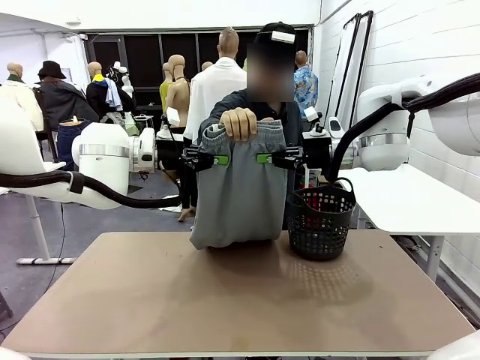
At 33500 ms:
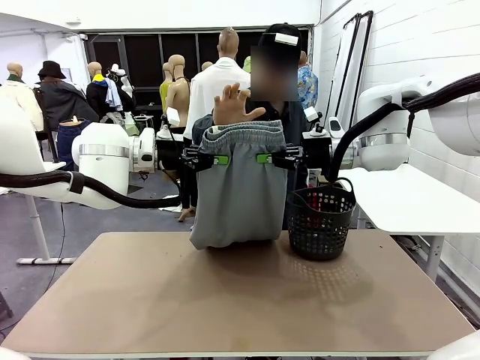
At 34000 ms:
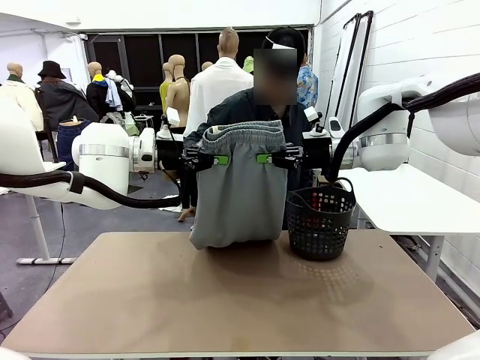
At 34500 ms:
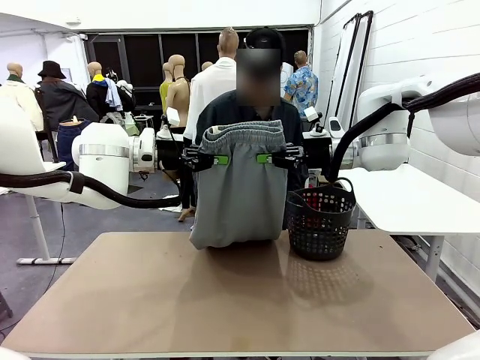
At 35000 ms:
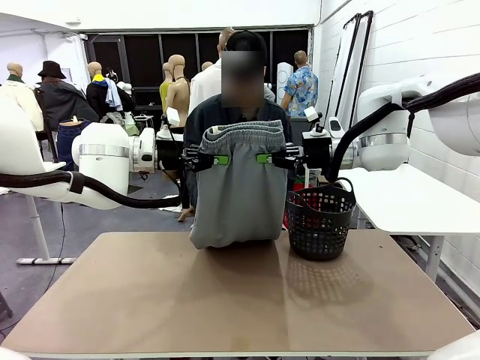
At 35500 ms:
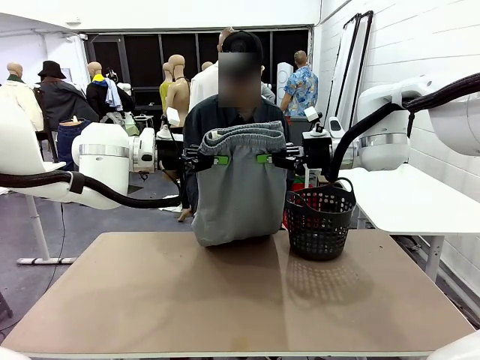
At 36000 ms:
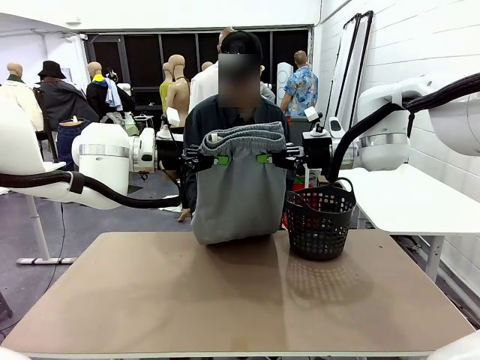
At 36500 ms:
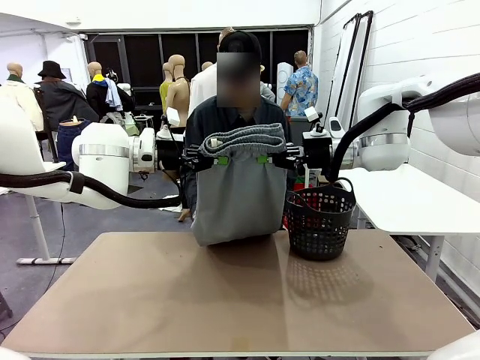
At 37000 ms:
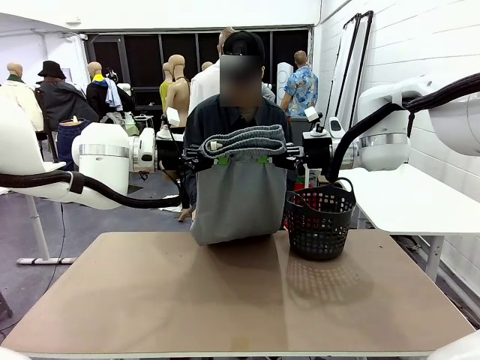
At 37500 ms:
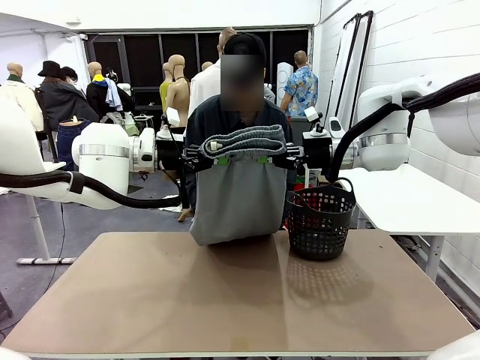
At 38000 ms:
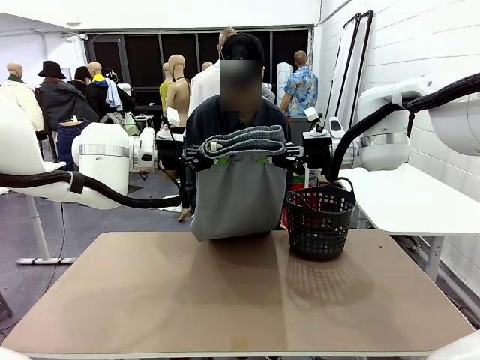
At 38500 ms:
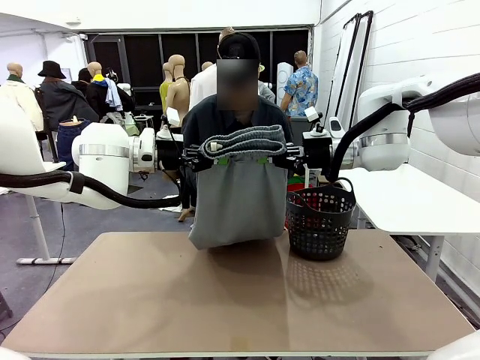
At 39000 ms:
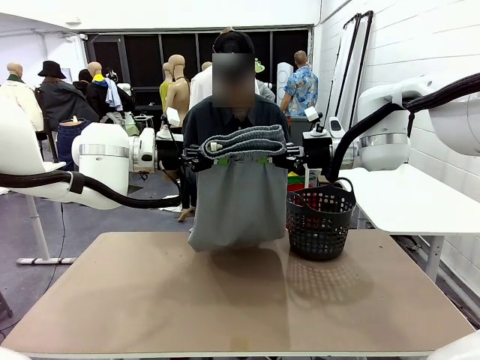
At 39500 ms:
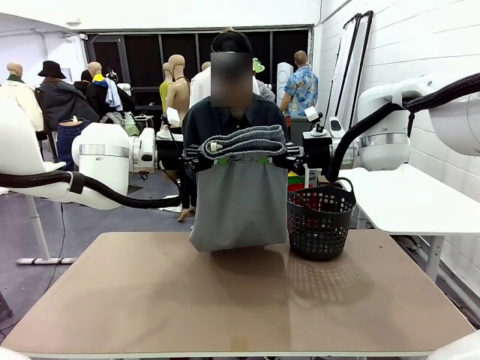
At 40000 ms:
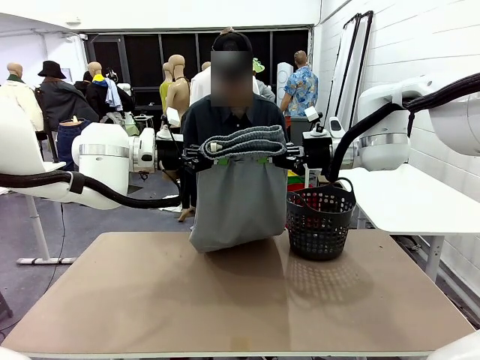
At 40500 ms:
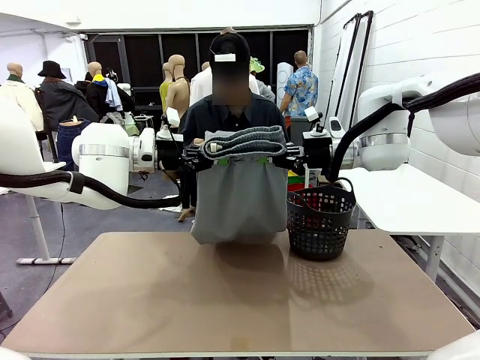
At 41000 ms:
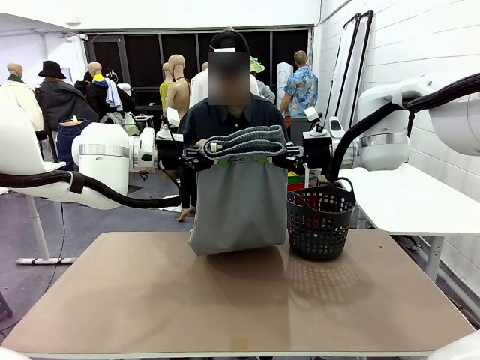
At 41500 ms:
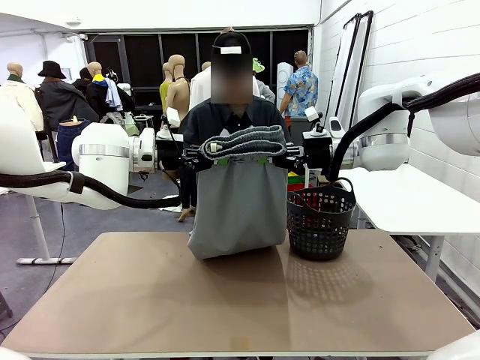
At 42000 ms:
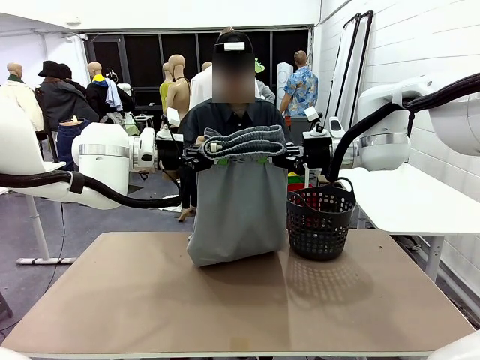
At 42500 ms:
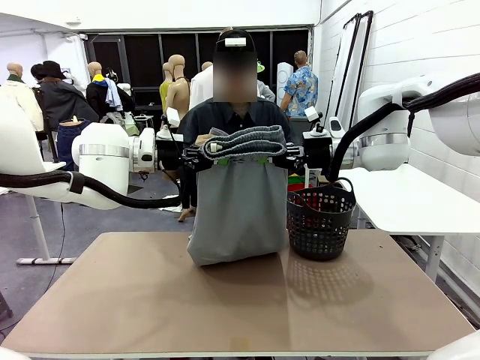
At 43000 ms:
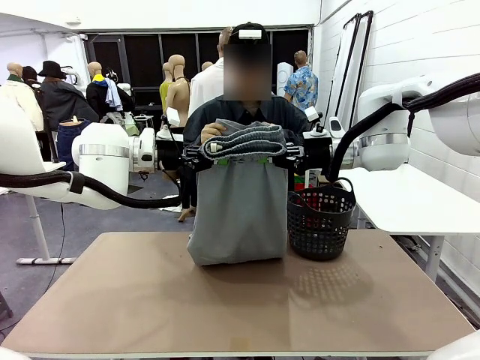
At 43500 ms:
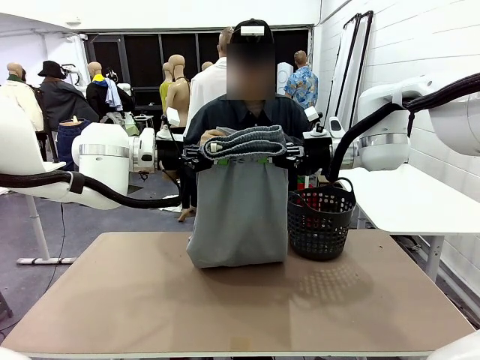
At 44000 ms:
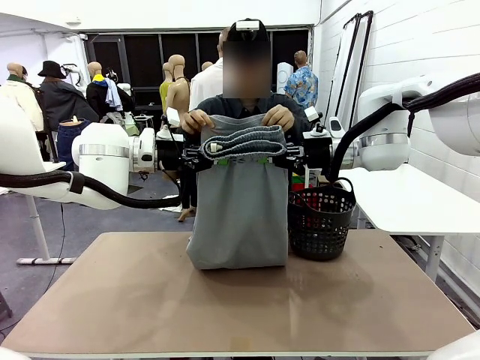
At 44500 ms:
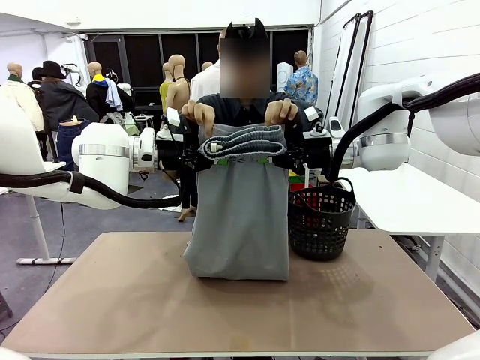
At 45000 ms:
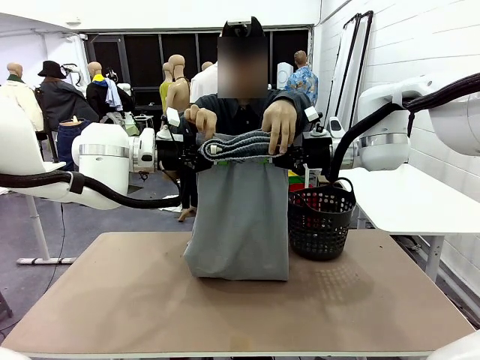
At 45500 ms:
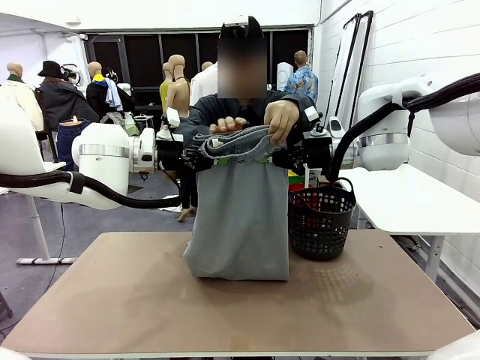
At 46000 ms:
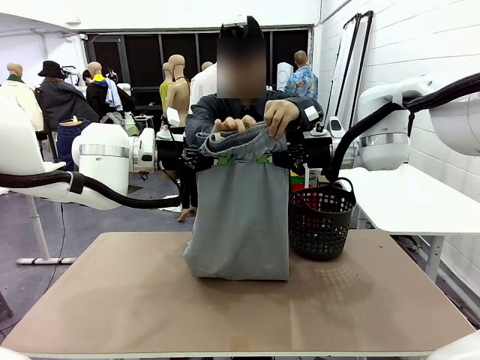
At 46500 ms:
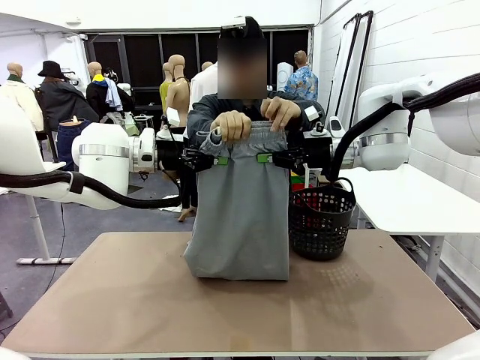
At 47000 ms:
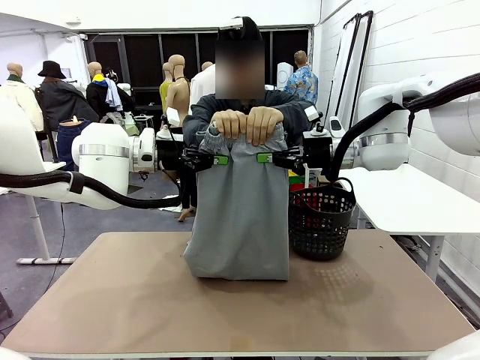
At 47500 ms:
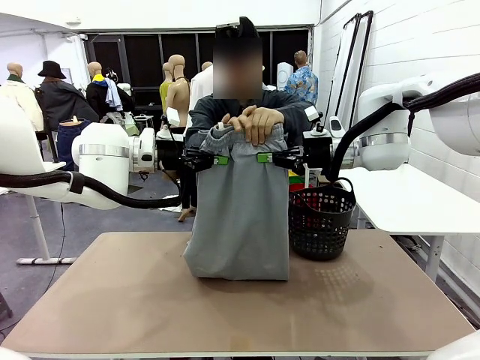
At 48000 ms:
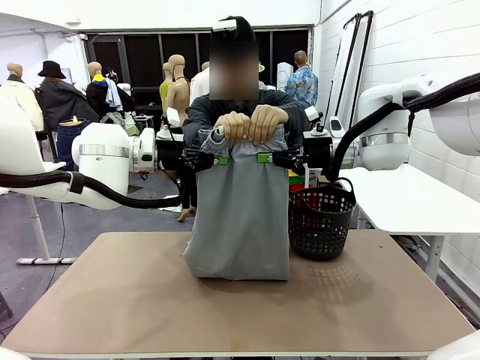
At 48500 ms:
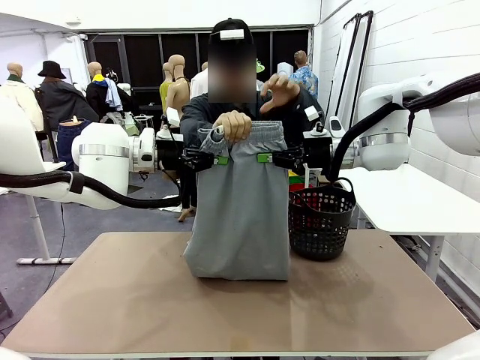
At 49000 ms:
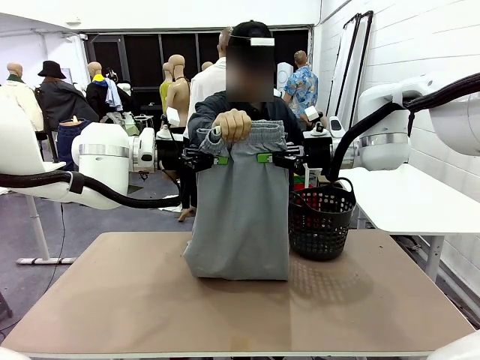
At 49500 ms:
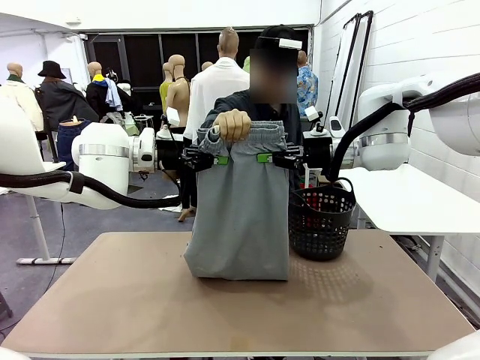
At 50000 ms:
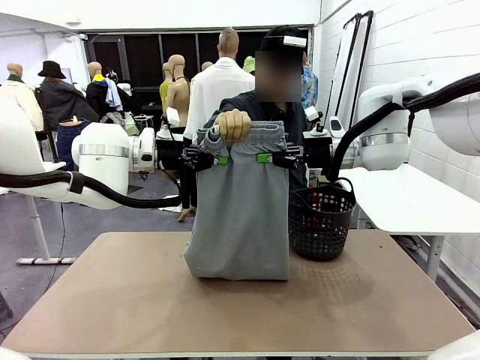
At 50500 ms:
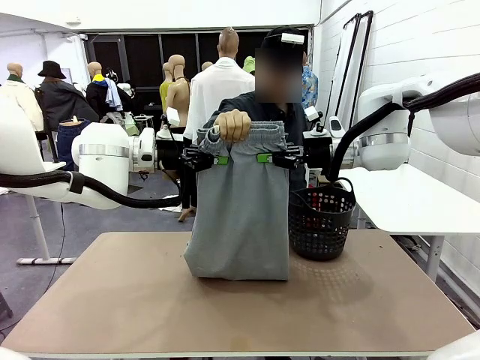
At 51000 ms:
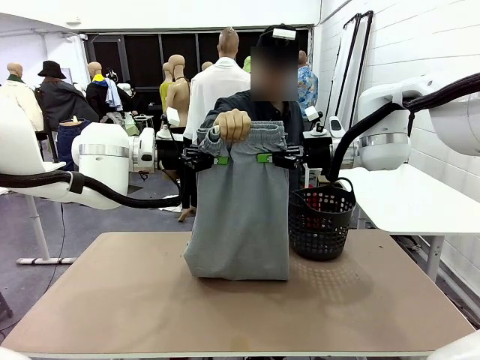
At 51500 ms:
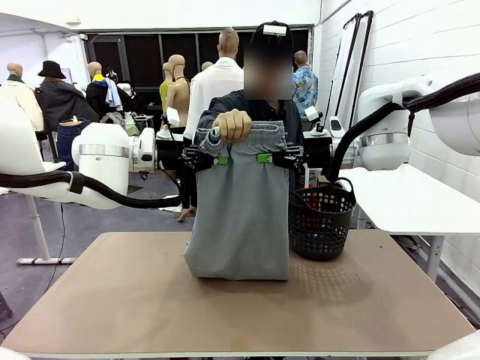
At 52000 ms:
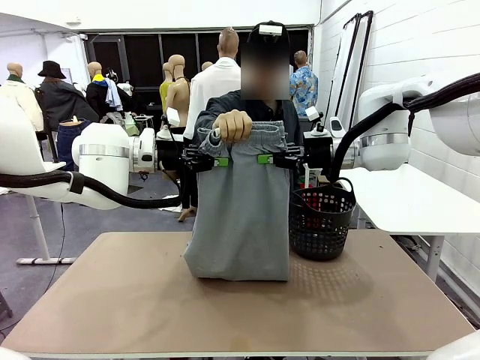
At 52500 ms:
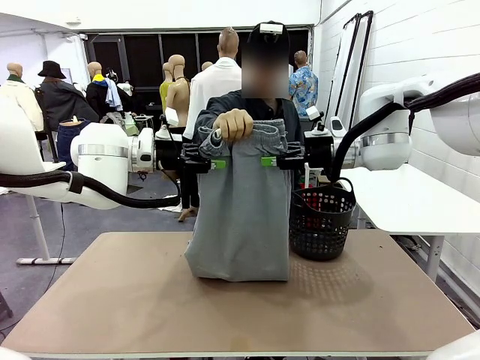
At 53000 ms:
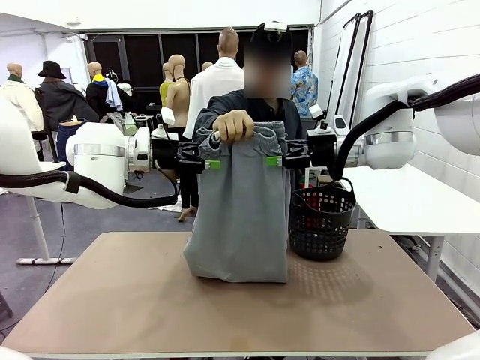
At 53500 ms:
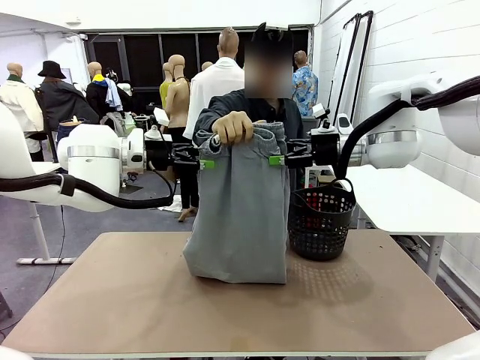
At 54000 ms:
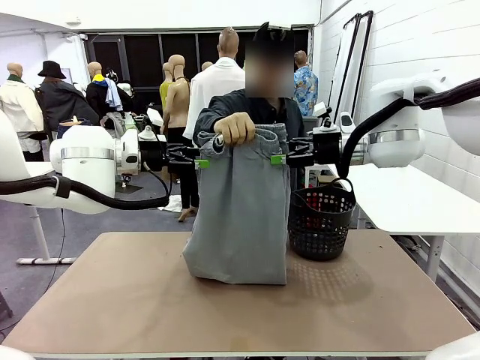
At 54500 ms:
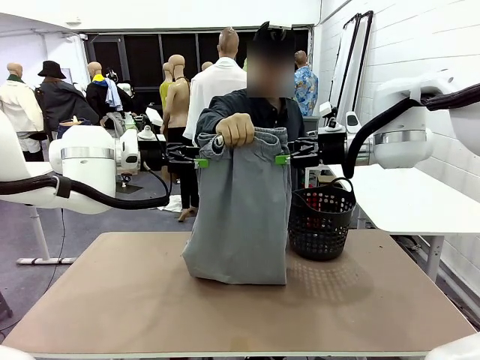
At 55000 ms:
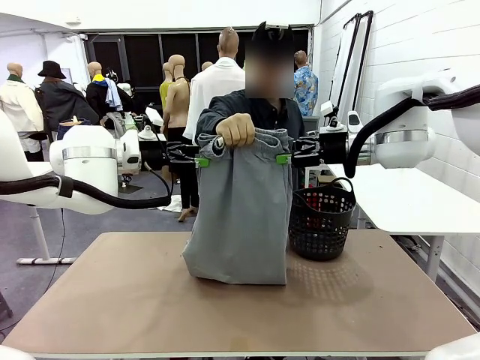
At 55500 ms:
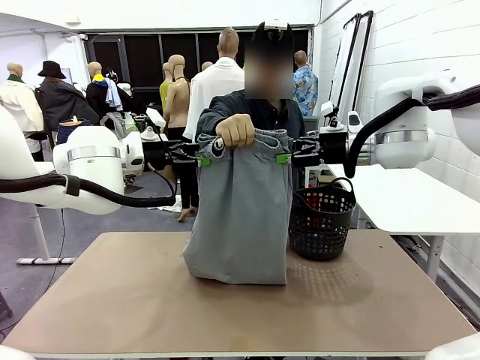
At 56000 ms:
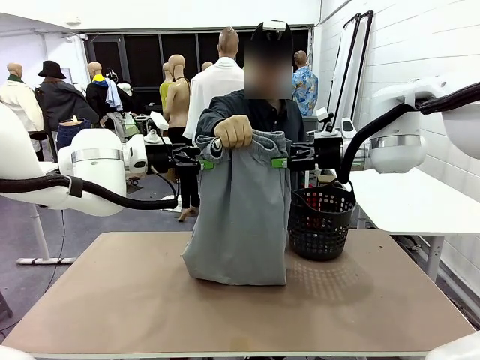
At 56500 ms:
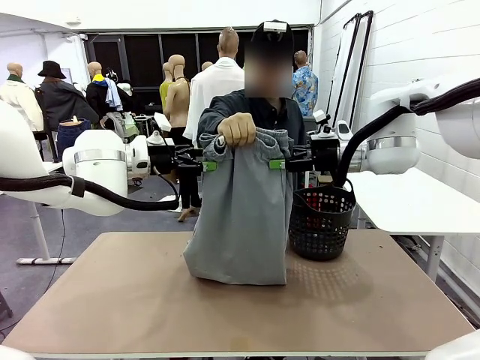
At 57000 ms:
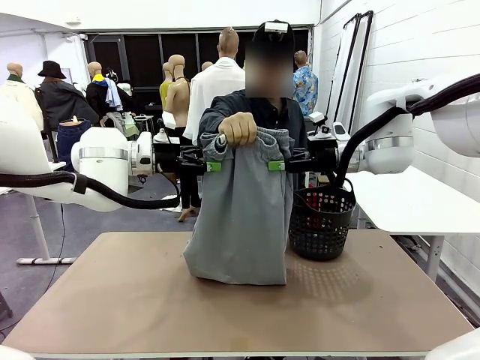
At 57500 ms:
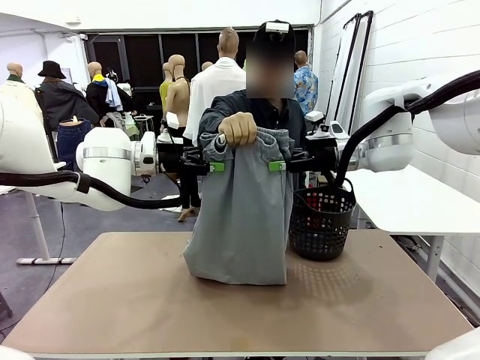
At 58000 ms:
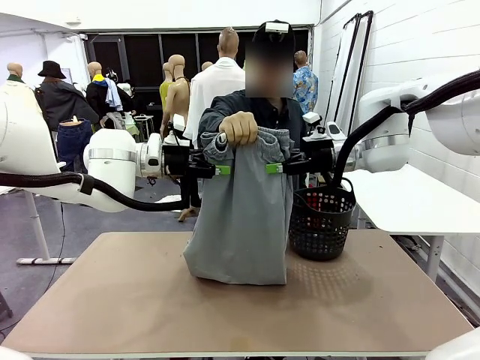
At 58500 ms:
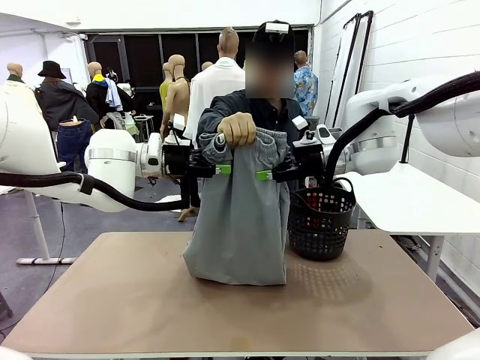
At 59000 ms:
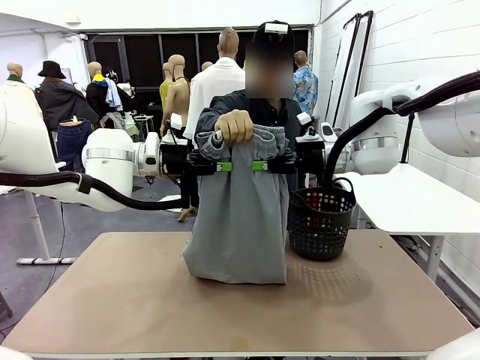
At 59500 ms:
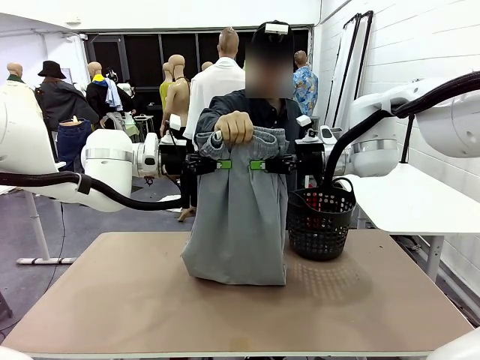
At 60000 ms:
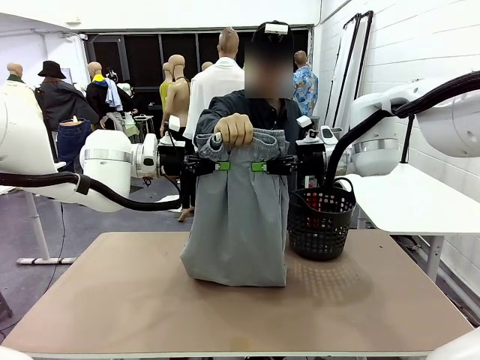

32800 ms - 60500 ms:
Task: Fold the training pants.
Robot: Release the ends of the Training pants and then grab the overlapped ends.
Person: Grasp the end opposite the point the robot is holding, fold the pants in half, and then grasp the overlapping top end of the folded pants. Release the pants you were holding.
